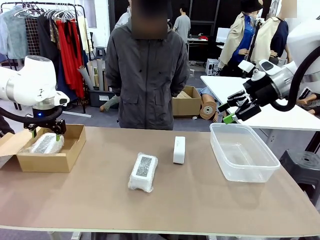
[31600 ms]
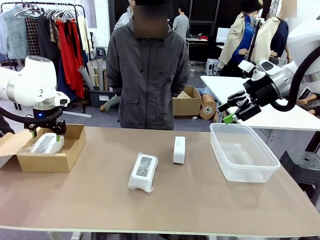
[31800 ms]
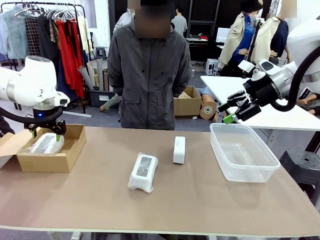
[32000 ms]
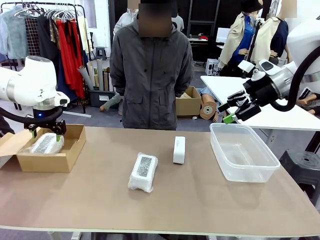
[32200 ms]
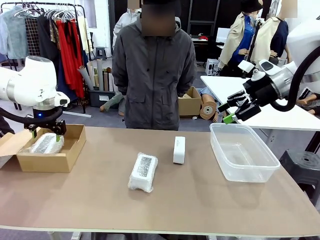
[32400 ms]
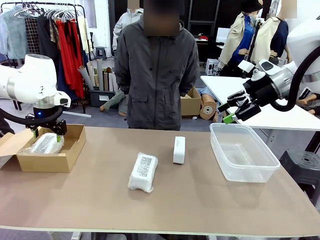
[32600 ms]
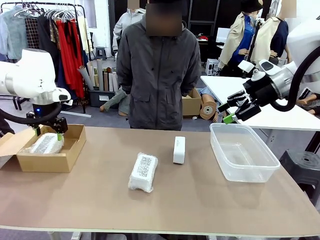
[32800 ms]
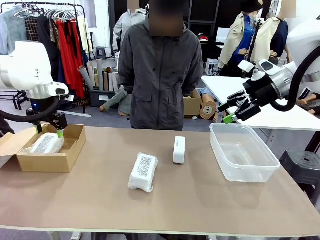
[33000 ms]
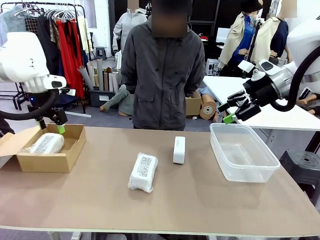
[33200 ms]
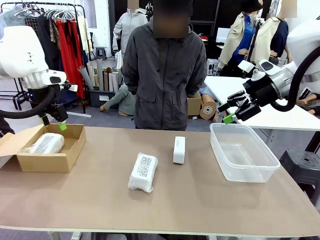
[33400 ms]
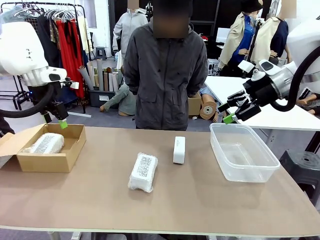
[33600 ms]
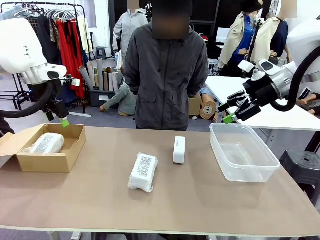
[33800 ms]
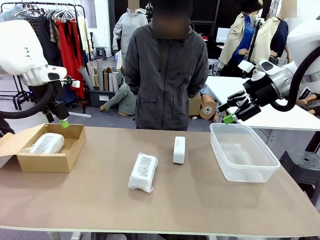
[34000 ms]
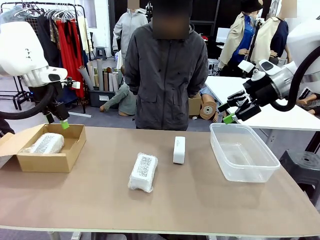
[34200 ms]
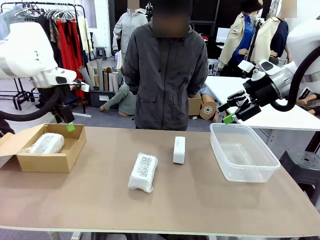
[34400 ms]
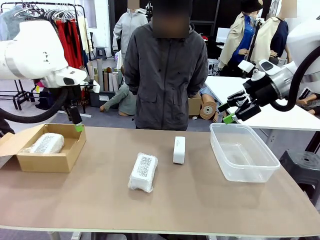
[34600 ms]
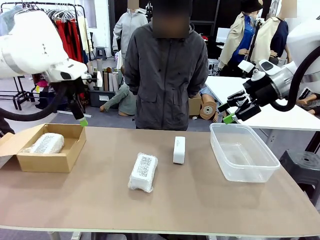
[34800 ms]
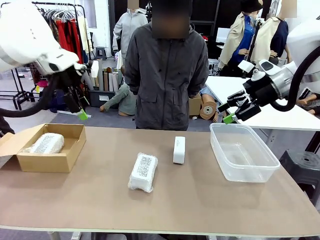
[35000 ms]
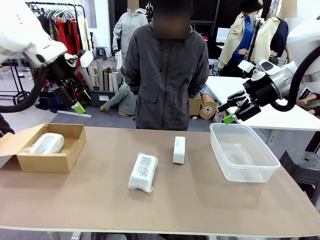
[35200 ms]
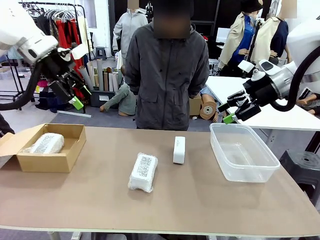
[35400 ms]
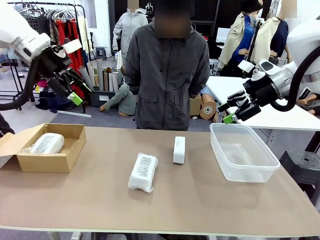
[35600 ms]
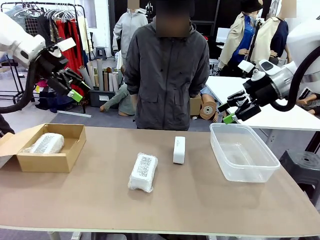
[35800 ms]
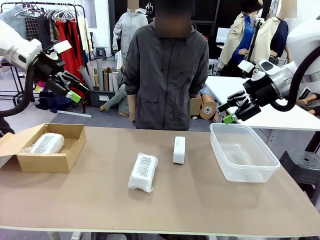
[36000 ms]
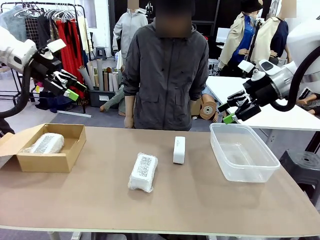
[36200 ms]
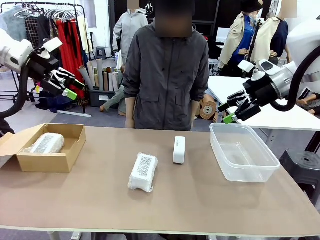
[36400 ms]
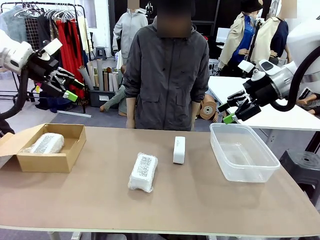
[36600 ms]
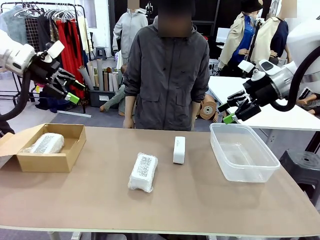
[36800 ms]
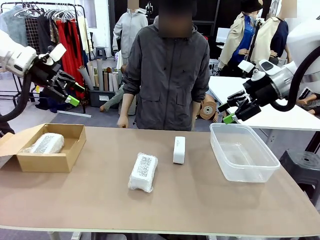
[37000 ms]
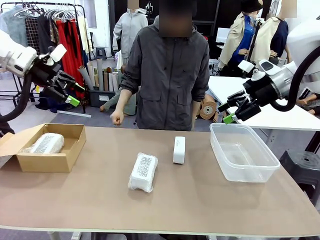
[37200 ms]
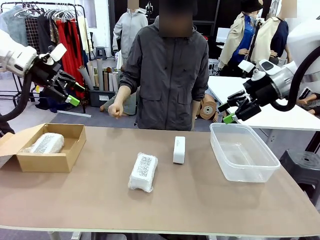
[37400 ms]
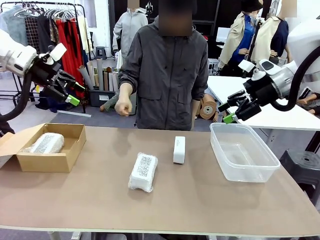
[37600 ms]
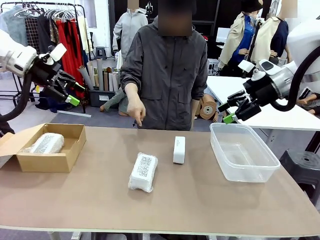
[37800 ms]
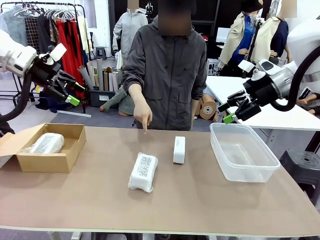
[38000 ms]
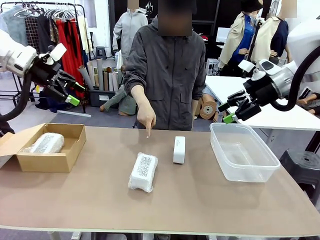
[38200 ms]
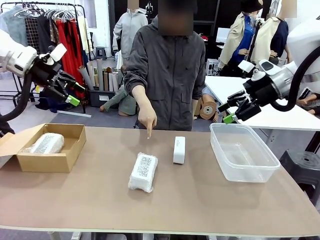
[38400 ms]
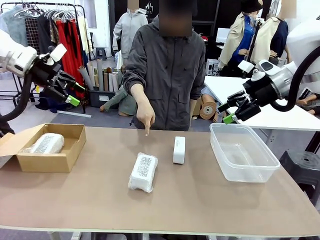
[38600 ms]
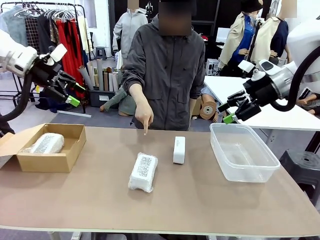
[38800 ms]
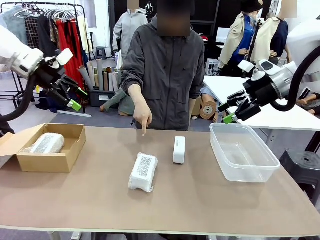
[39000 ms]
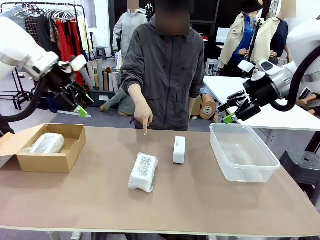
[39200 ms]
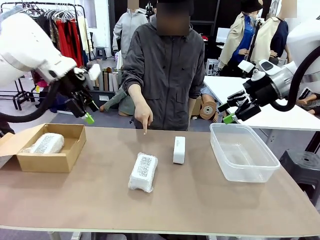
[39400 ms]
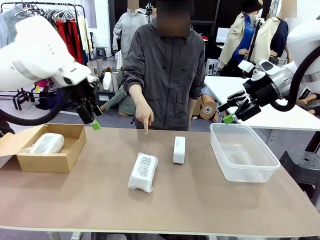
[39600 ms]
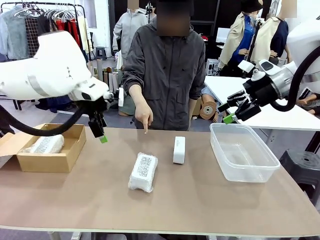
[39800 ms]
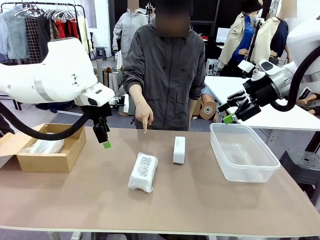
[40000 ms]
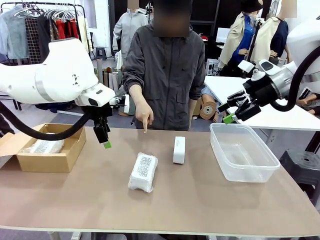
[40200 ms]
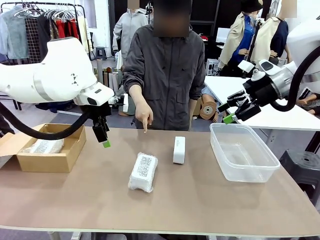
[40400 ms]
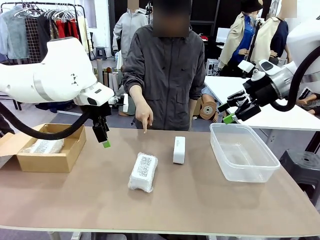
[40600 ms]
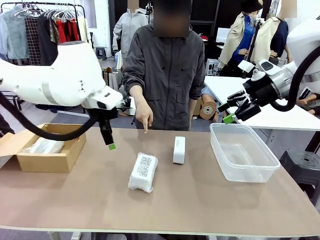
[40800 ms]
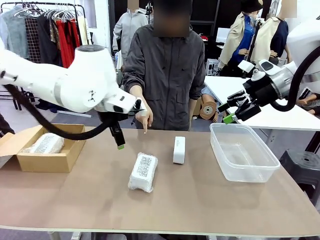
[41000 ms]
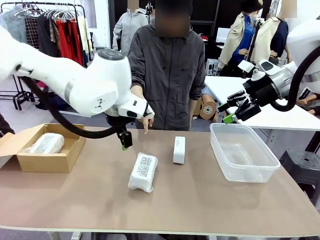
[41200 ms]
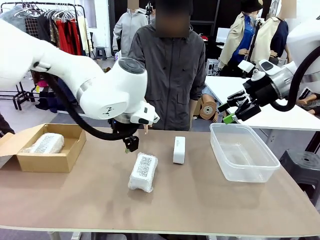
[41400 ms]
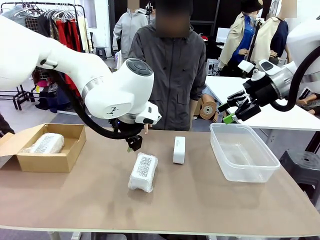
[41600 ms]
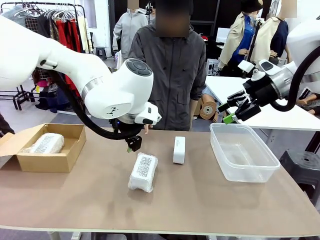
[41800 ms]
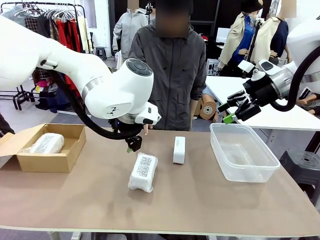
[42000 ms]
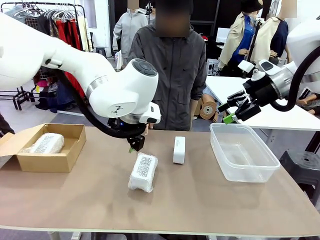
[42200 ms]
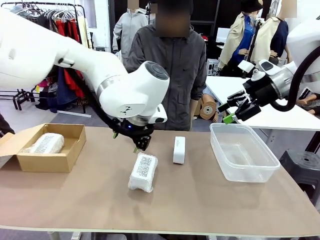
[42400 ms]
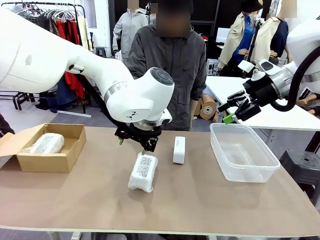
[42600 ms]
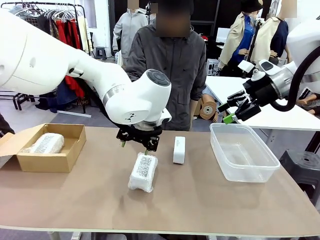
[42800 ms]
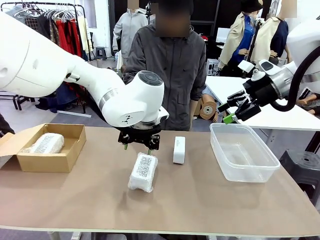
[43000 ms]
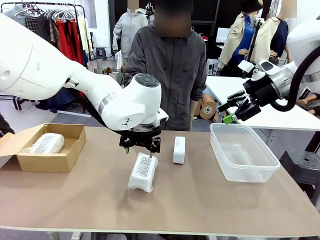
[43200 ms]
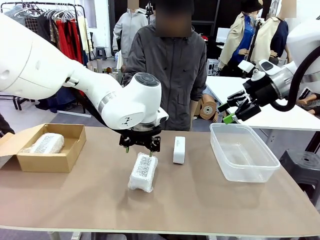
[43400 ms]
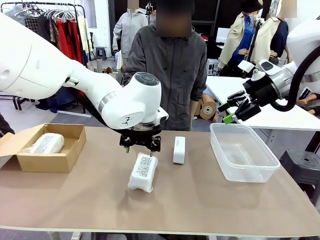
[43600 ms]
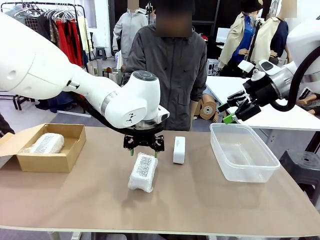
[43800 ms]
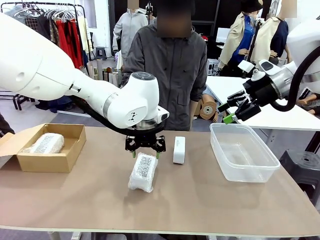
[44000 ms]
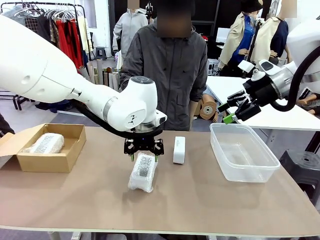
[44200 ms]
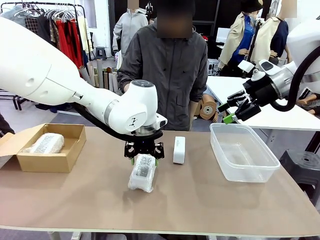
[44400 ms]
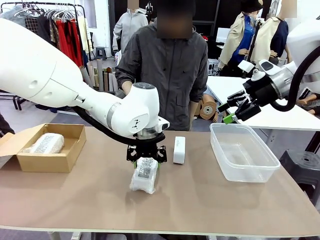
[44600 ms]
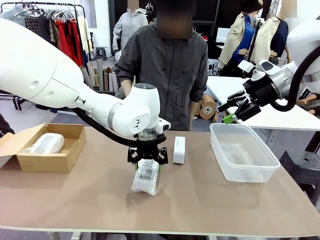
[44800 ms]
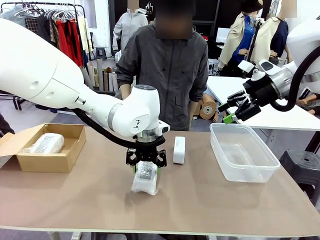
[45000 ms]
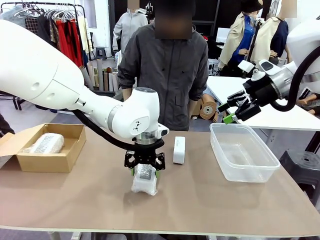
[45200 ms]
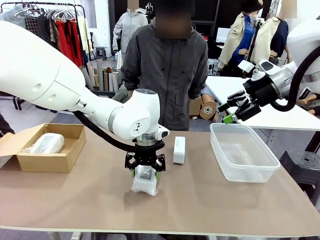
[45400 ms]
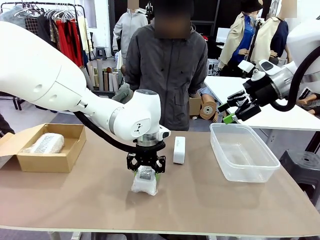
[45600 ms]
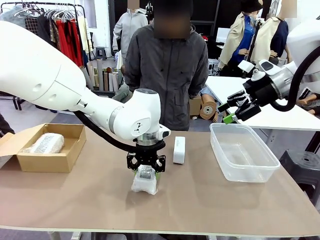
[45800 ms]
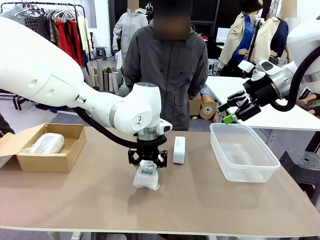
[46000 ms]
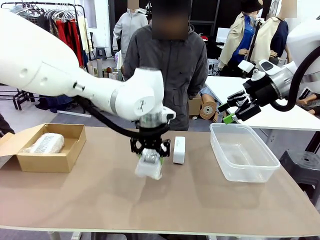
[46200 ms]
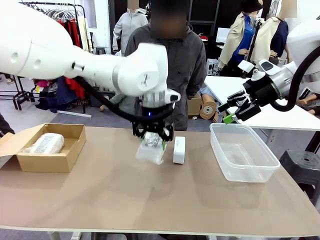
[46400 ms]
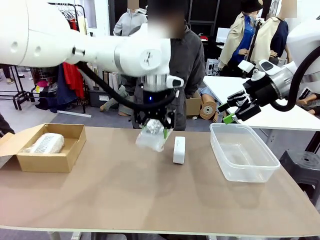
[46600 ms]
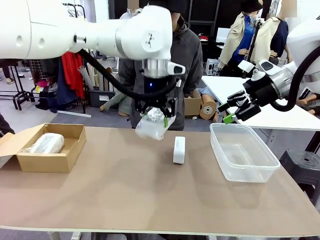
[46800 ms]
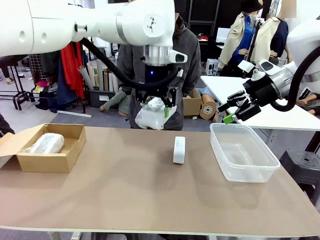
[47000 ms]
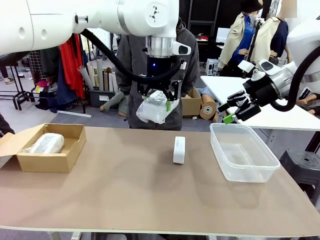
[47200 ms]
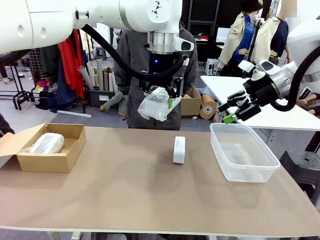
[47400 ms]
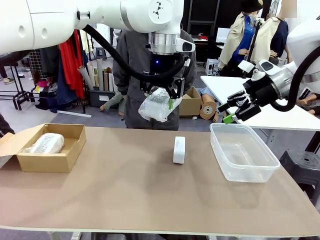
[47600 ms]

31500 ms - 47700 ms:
Task: Separate and place wrapped and unwrapped clocks.
Robot: Pick up the Digital clock indicated by the person.
